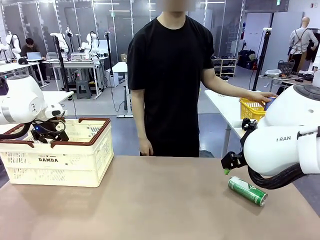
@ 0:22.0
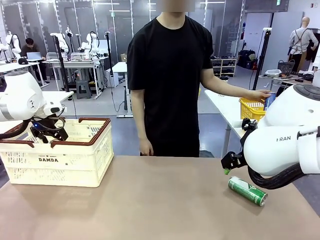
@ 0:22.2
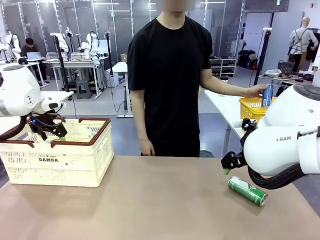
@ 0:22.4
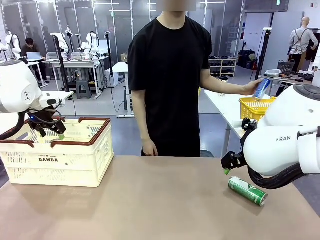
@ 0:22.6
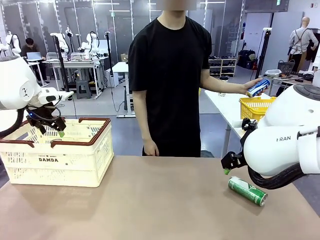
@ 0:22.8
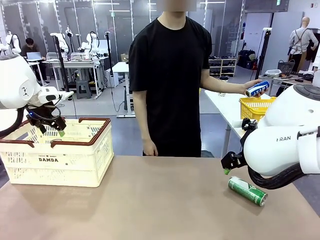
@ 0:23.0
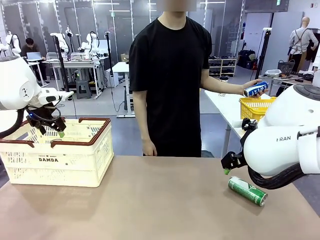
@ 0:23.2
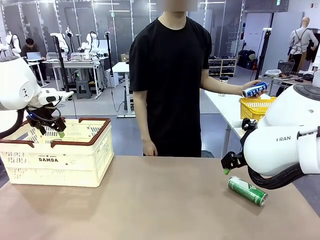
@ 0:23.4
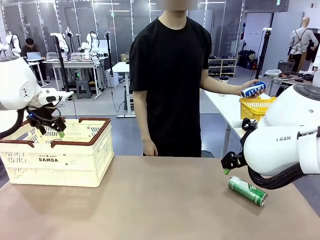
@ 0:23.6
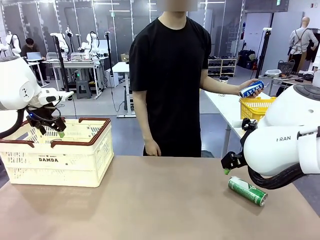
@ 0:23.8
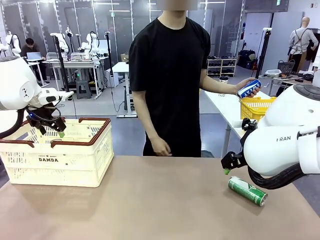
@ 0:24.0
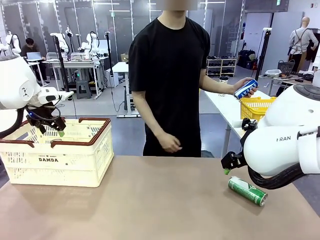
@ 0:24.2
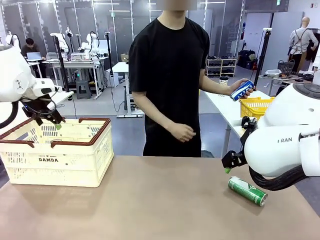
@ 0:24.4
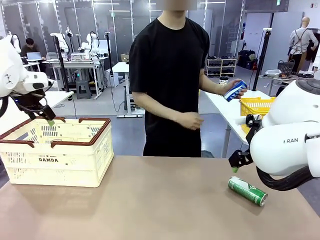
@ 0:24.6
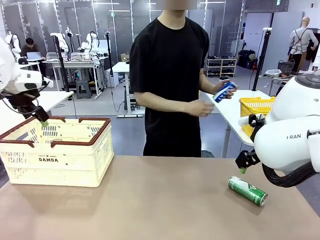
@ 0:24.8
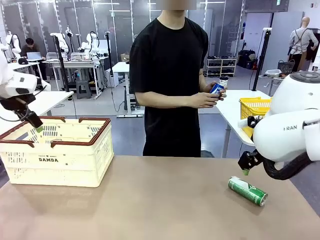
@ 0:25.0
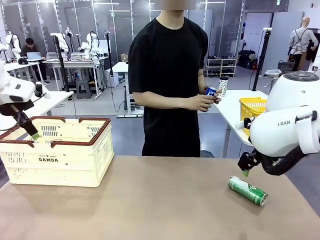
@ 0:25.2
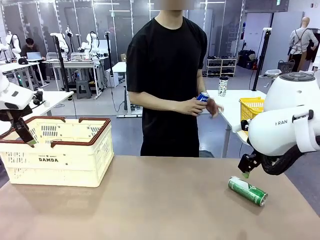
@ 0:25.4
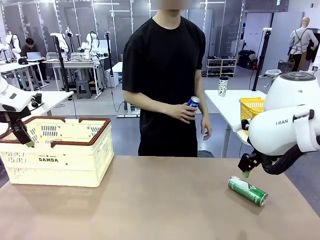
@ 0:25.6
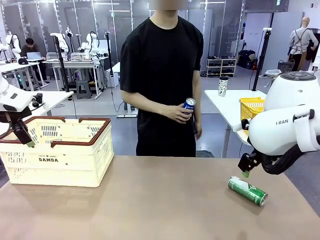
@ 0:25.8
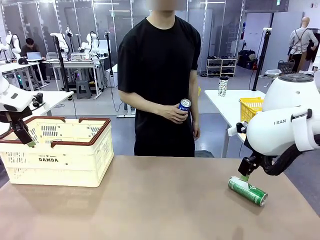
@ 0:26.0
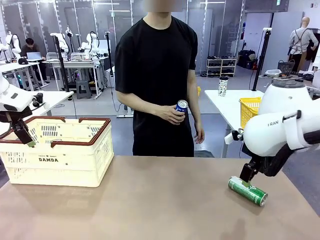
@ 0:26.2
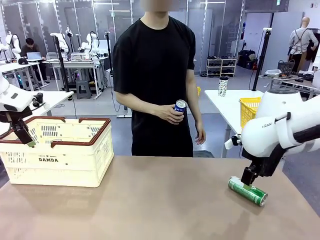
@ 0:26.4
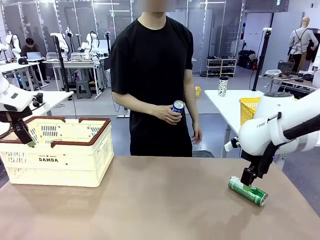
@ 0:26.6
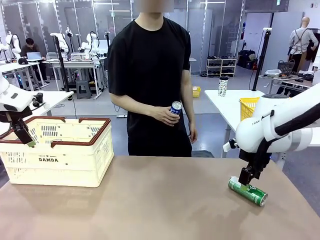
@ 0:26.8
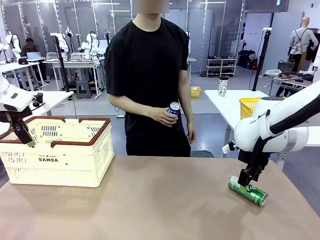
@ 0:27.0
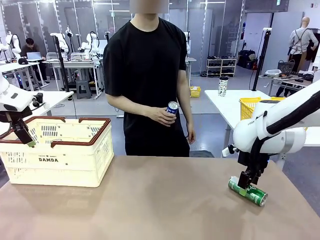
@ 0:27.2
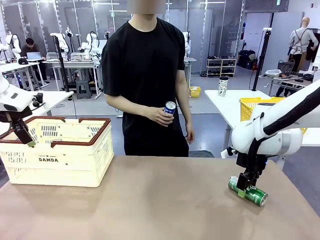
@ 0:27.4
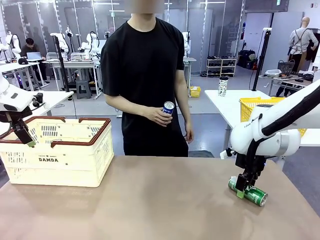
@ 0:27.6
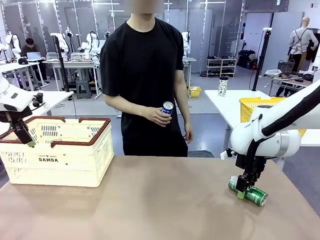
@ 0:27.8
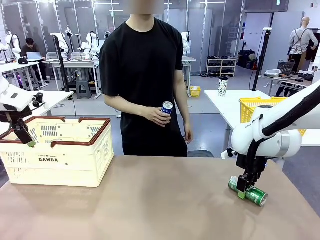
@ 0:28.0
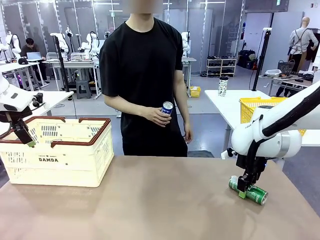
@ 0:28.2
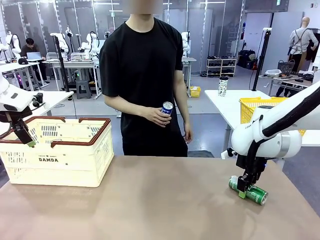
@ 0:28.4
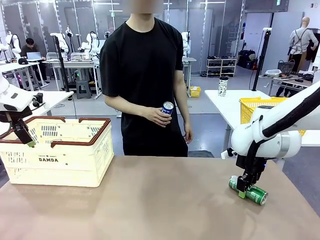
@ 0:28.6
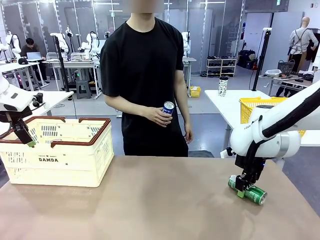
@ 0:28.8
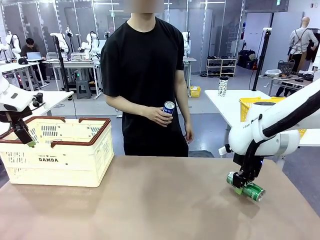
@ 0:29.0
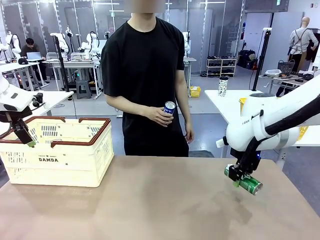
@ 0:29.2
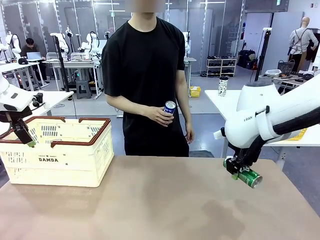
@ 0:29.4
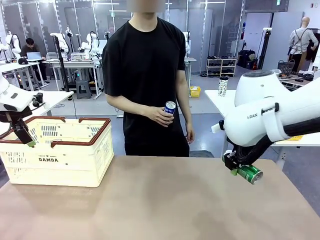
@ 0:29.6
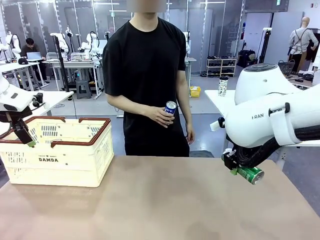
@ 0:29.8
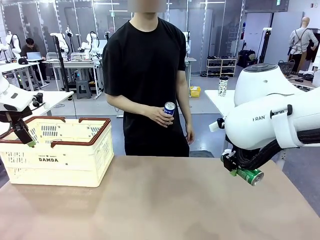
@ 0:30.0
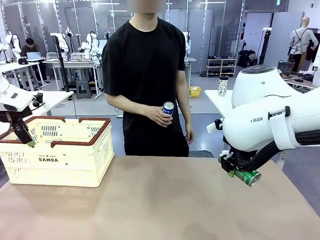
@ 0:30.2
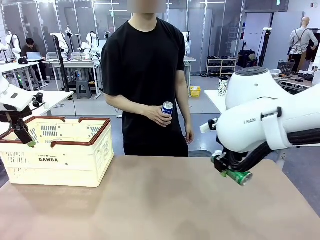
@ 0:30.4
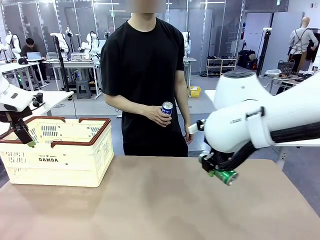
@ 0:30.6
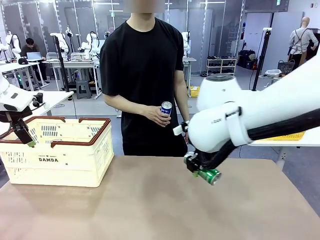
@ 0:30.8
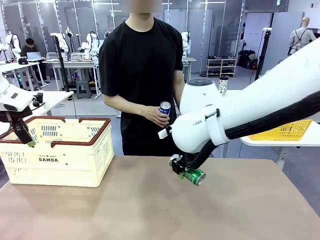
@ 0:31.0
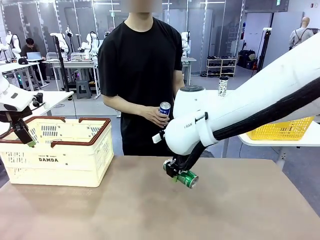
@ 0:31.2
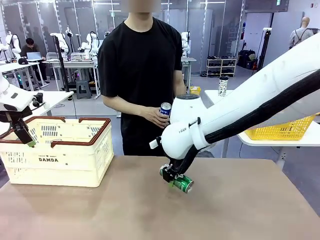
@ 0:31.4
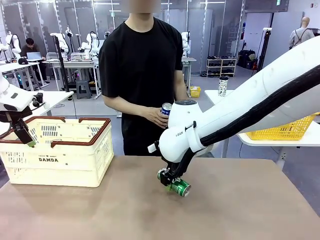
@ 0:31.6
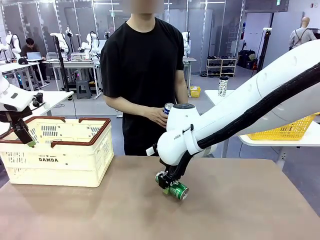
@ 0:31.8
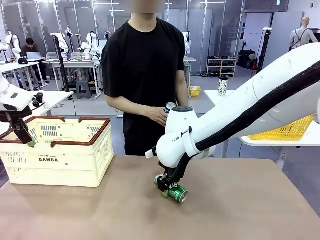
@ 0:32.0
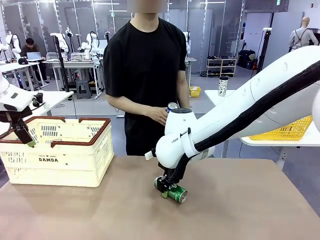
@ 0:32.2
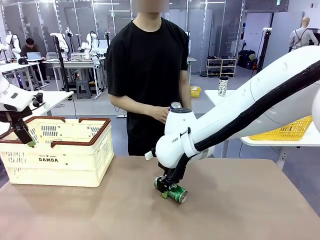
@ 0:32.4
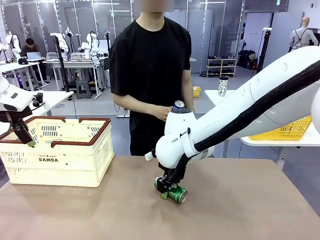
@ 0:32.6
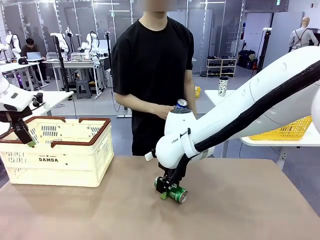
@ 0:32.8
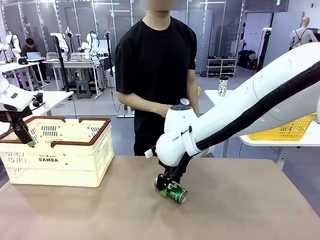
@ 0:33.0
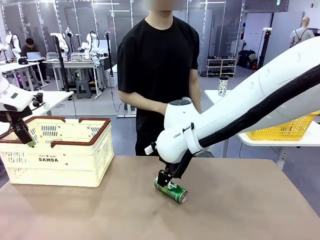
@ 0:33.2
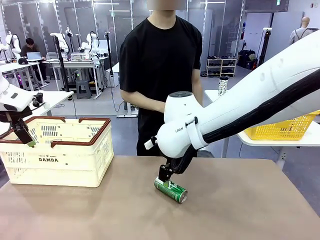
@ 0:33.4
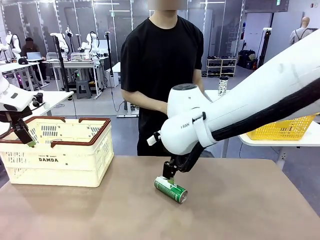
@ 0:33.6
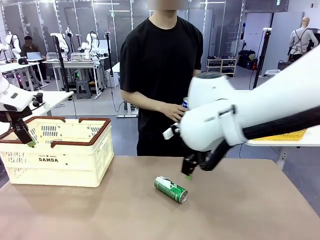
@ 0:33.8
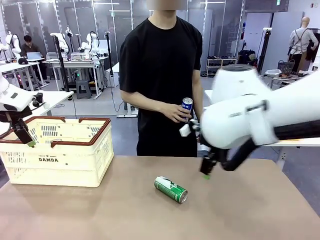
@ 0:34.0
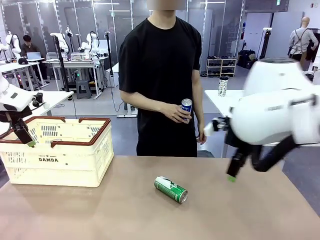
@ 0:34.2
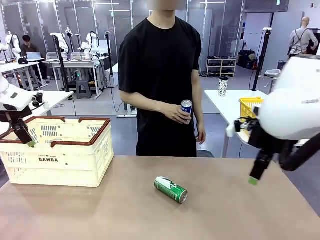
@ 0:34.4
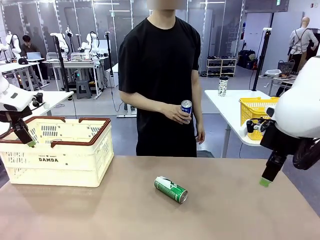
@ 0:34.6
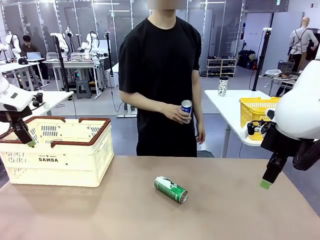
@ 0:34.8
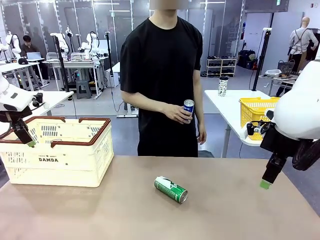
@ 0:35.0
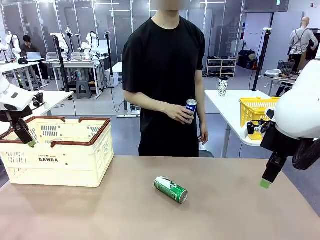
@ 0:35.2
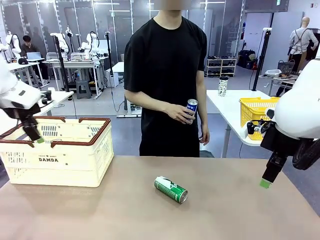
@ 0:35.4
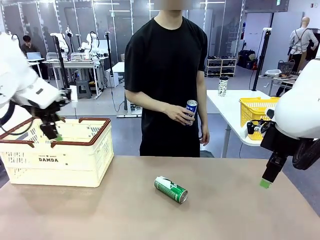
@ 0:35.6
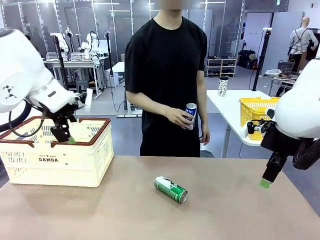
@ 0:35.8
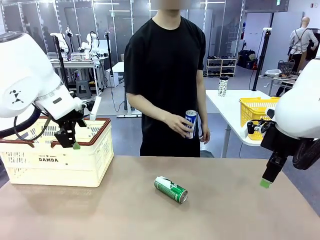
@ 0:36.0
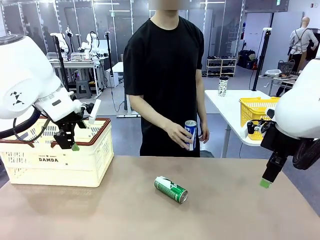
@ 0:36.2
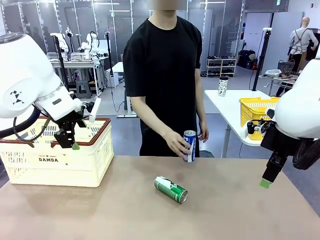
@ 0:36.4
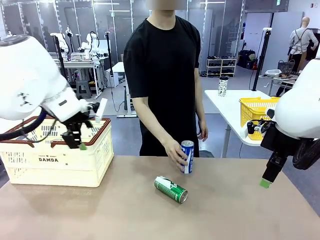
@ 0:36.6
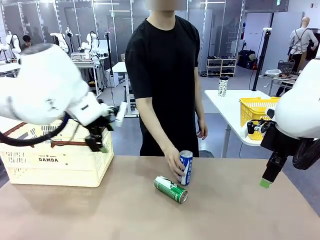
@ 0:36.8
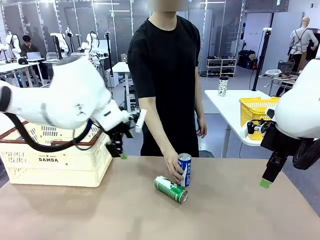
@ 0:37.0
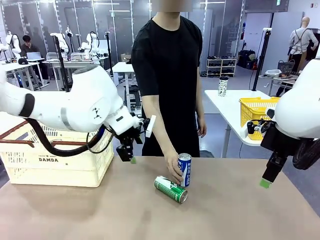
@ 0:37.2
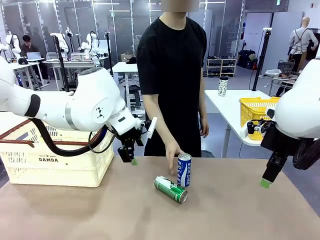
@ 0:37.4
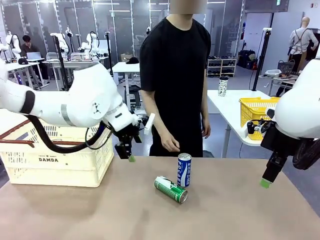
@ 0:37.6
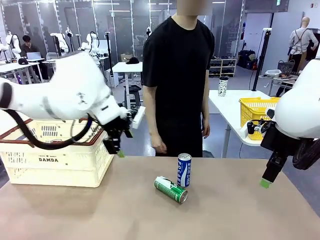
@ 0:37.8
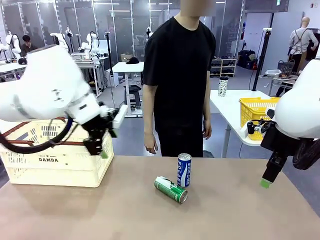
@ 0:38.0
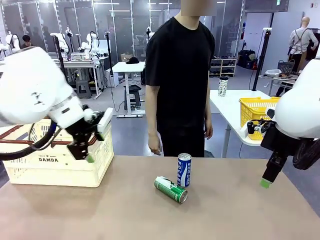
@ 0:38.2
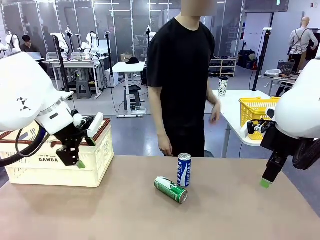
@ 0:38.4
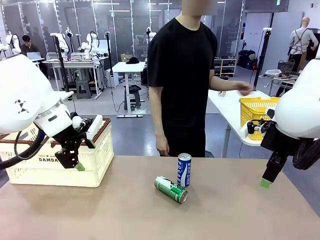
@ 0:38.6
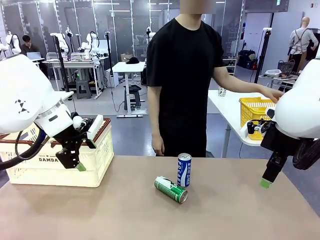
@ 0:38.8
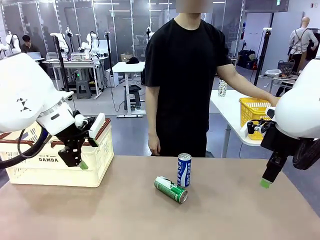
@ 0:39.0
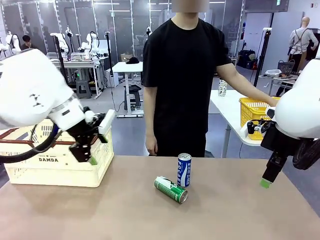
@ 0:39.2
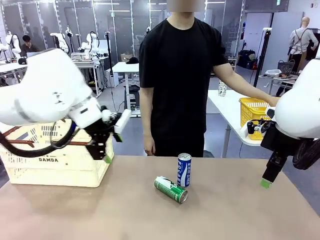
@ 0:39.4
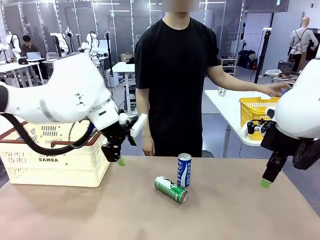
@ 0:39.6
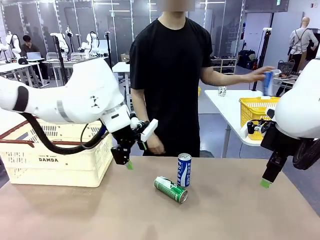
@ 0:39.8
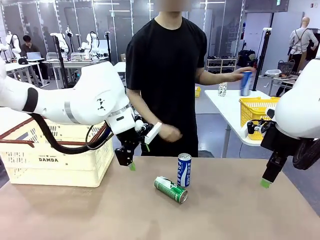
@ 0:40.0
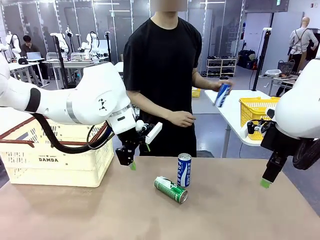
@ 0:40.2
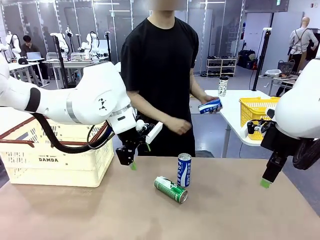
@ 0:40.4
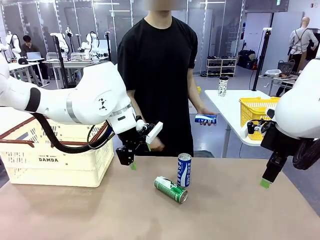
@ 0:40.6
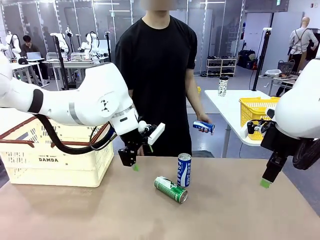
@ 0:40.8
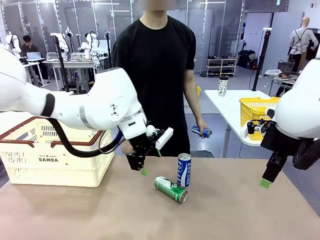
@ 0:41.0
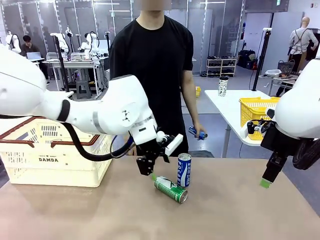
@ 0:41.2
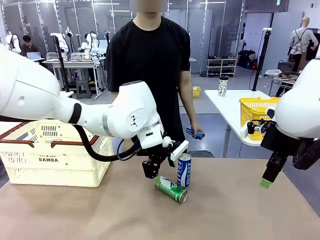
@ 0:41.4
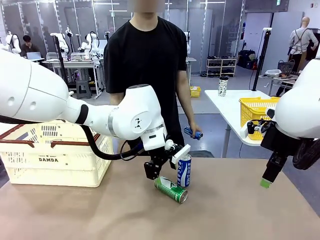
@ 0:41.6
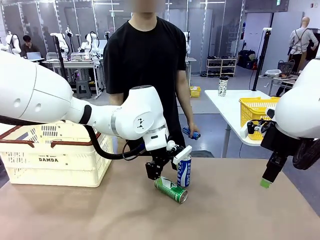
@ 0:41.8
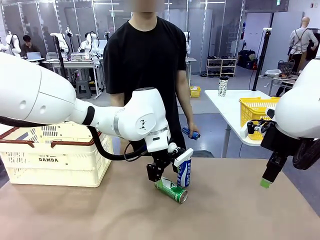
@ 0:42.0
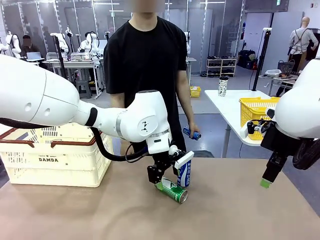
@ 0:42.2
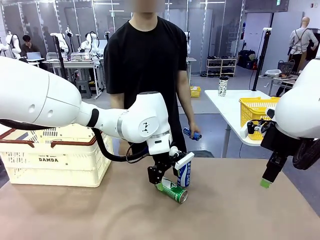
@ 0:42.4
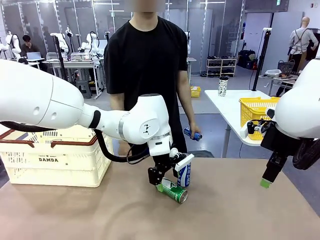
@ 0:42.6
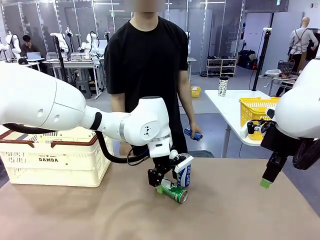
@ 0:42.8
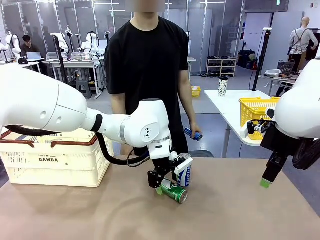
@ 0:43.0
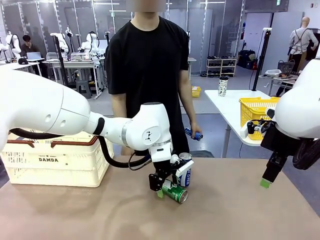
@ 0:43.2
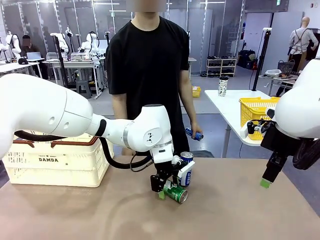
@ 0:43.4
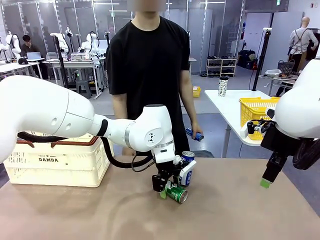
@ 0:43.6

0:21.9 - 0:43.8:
Task: Place the drinks into the Shopping basket.
Robot: Pick up one drink and place it into the Shopping basket.
